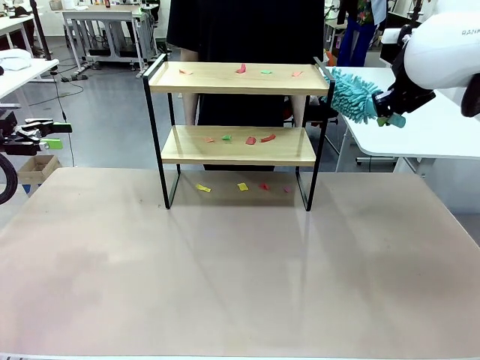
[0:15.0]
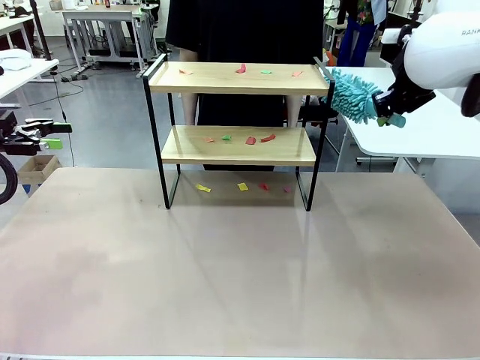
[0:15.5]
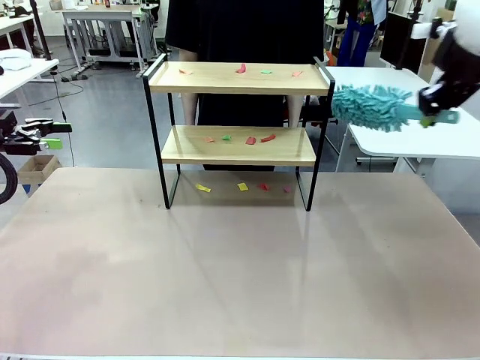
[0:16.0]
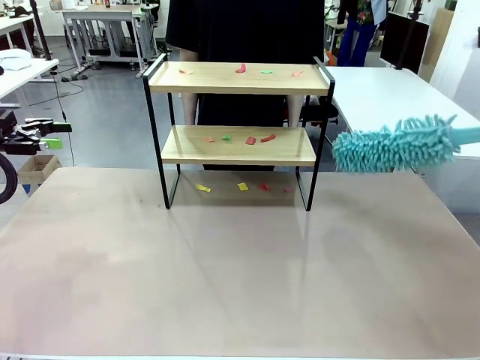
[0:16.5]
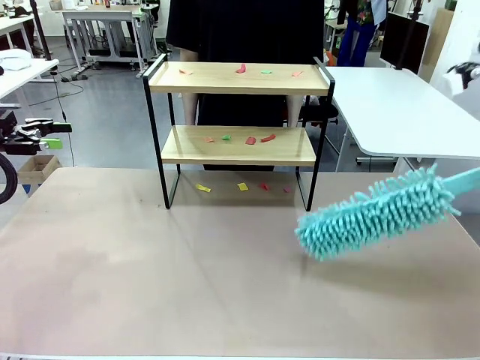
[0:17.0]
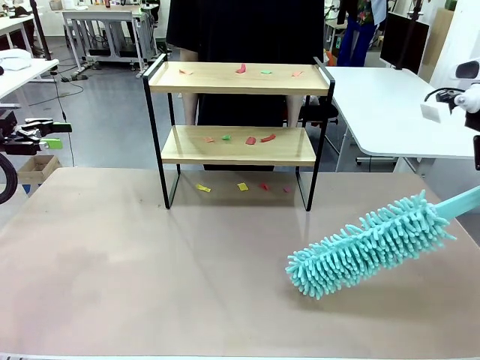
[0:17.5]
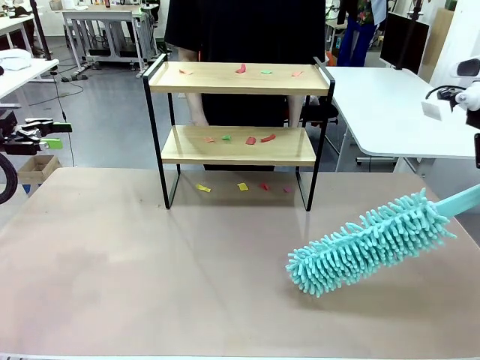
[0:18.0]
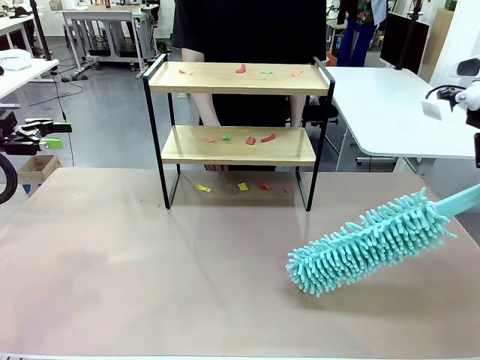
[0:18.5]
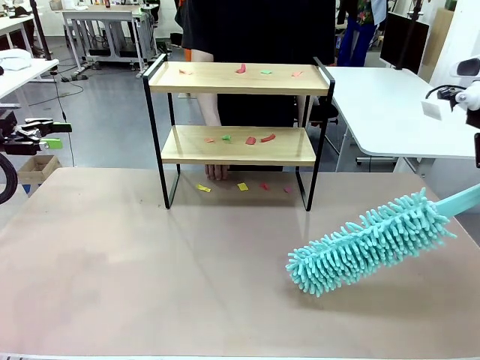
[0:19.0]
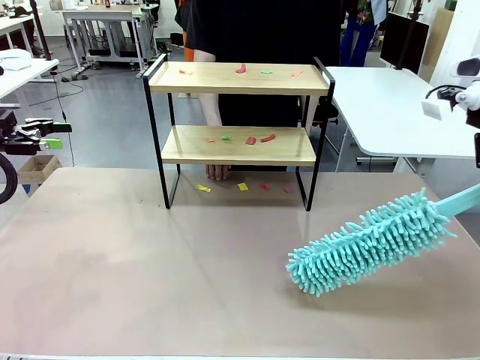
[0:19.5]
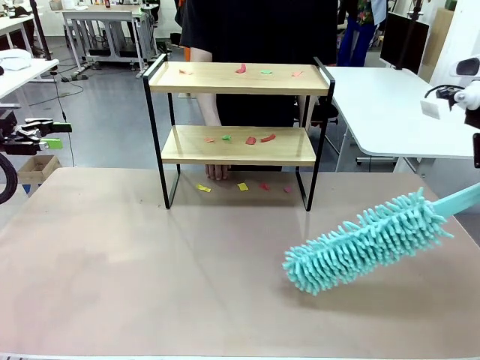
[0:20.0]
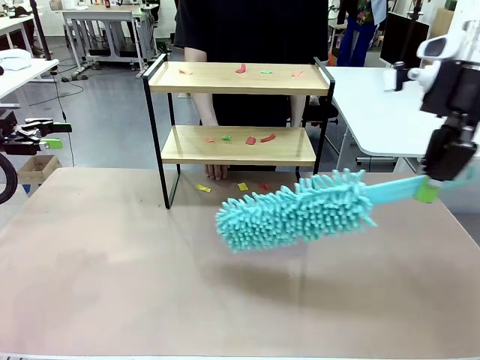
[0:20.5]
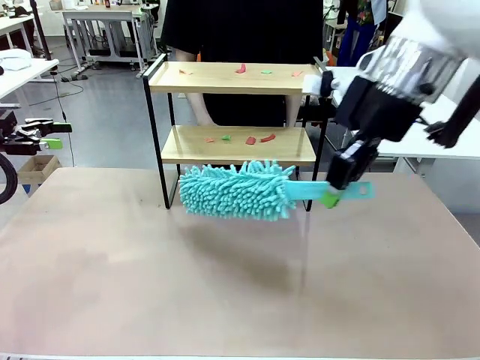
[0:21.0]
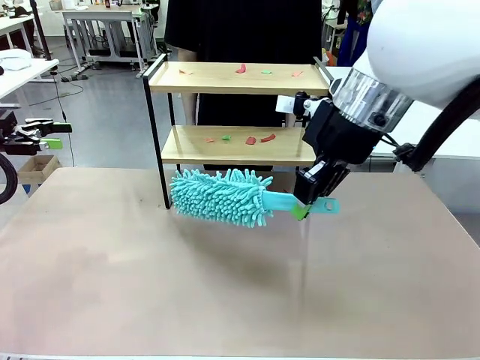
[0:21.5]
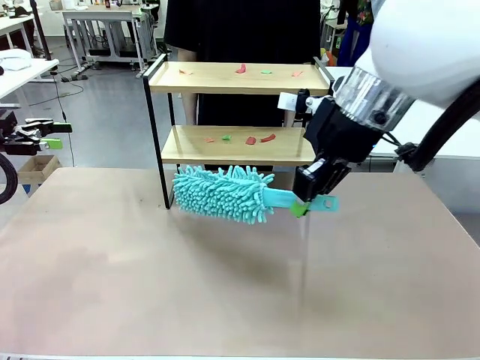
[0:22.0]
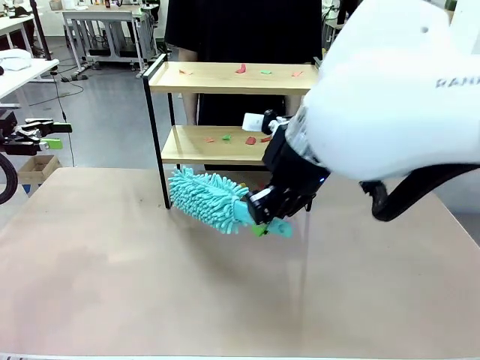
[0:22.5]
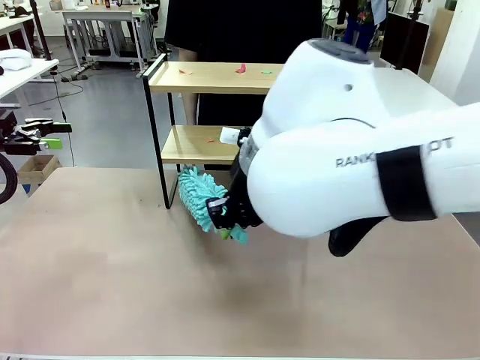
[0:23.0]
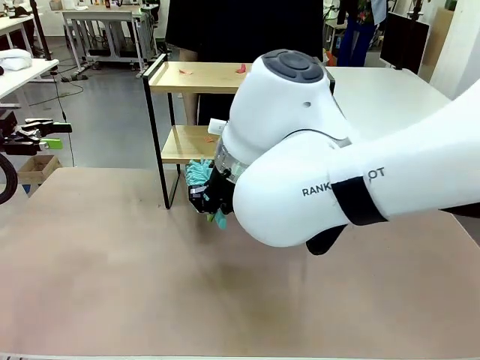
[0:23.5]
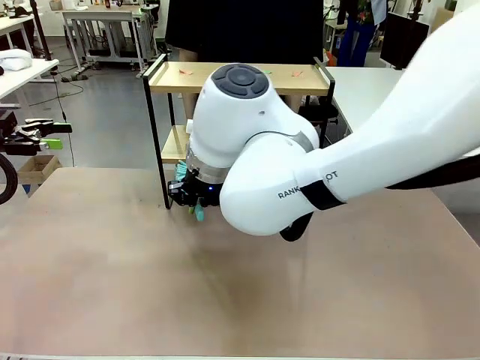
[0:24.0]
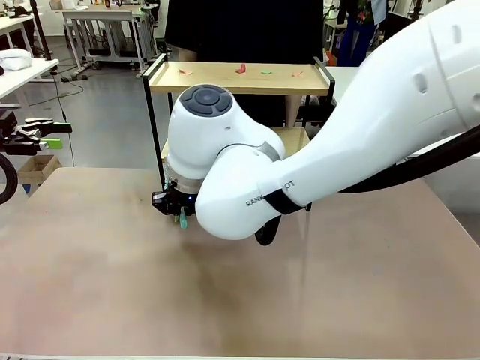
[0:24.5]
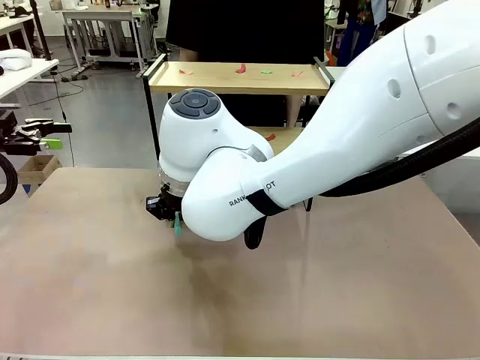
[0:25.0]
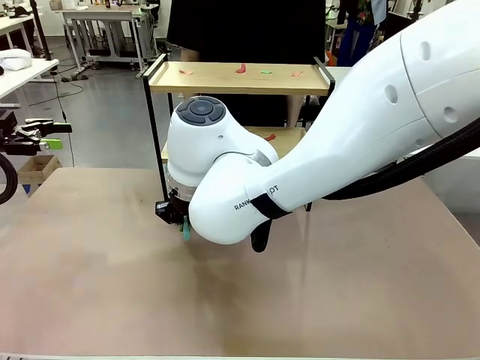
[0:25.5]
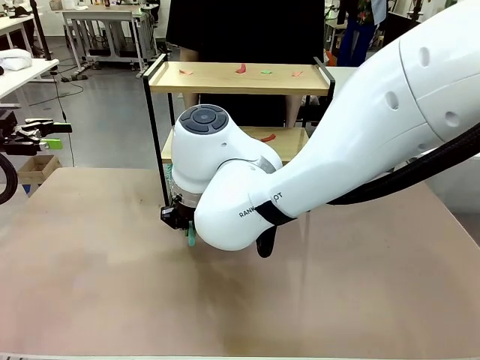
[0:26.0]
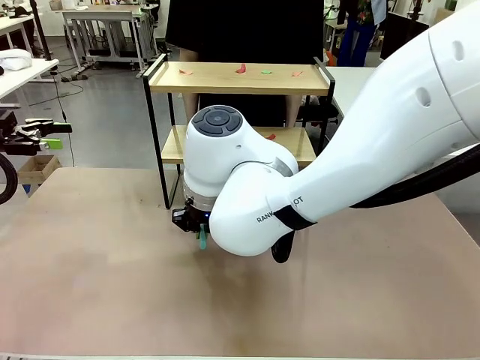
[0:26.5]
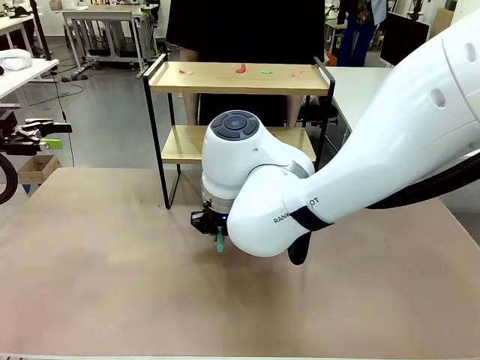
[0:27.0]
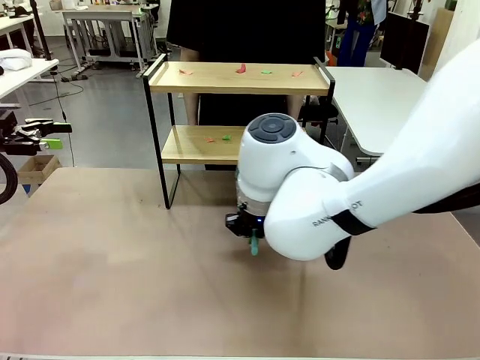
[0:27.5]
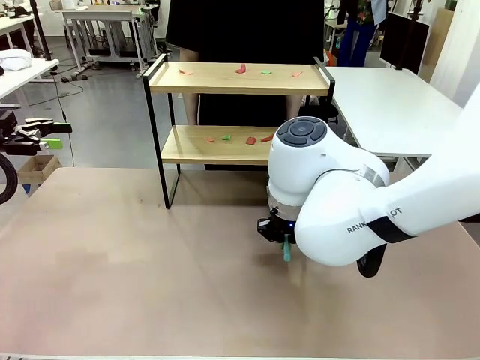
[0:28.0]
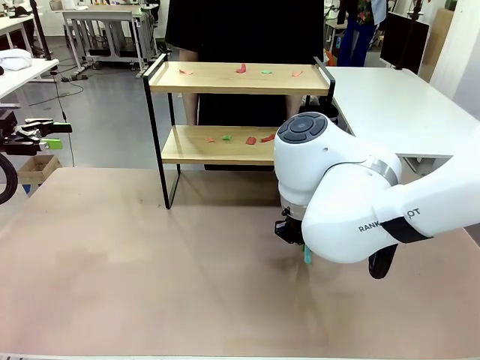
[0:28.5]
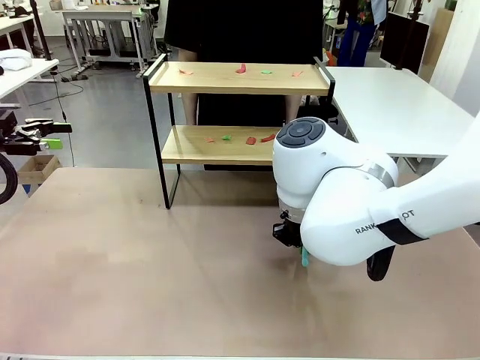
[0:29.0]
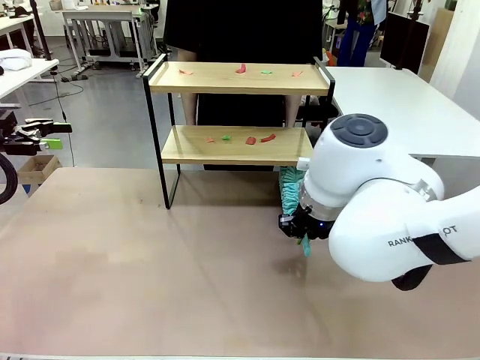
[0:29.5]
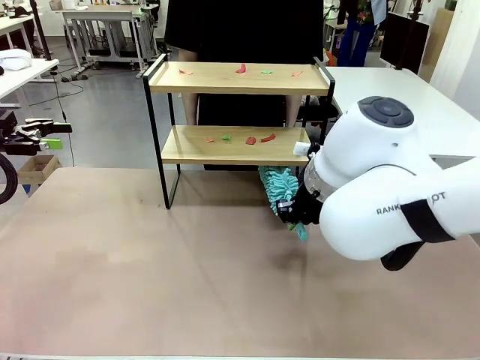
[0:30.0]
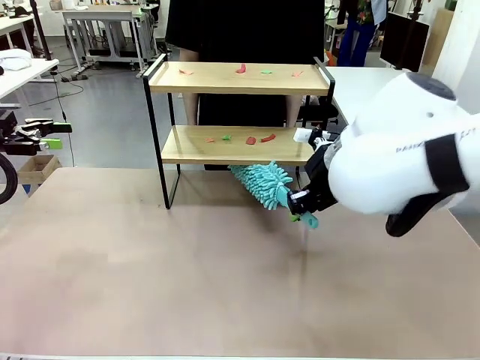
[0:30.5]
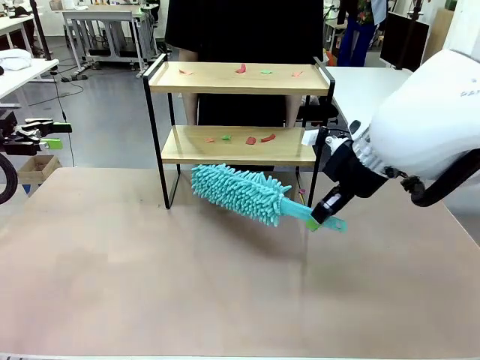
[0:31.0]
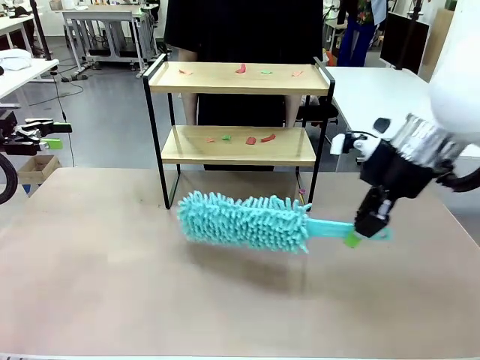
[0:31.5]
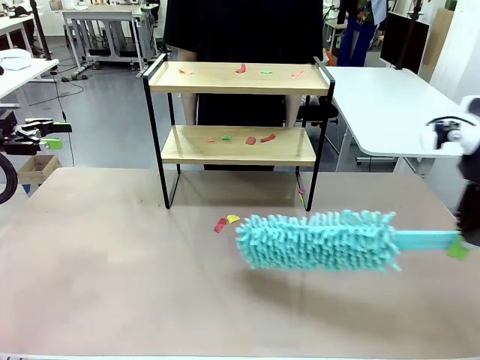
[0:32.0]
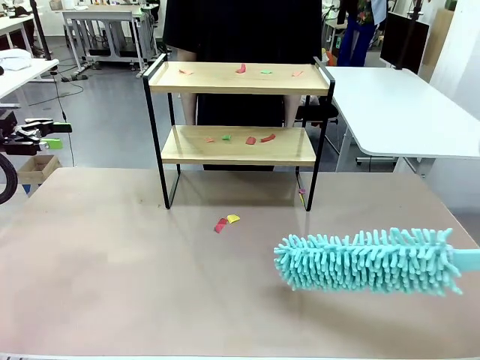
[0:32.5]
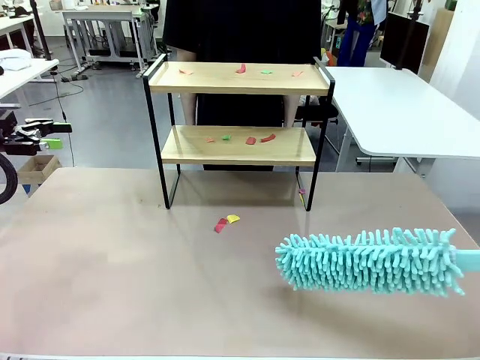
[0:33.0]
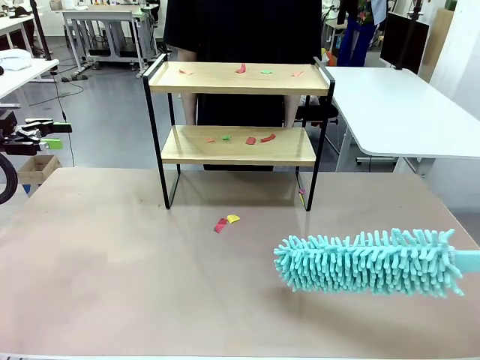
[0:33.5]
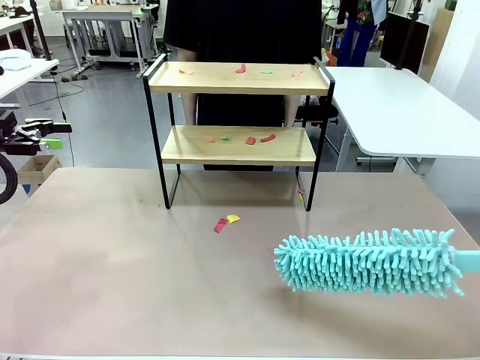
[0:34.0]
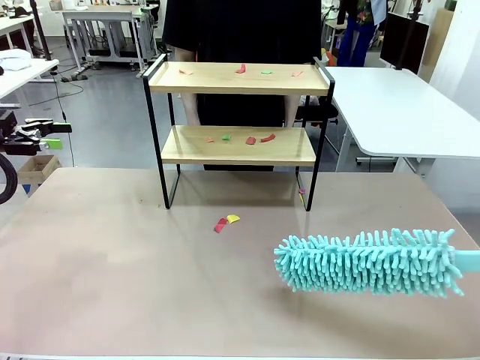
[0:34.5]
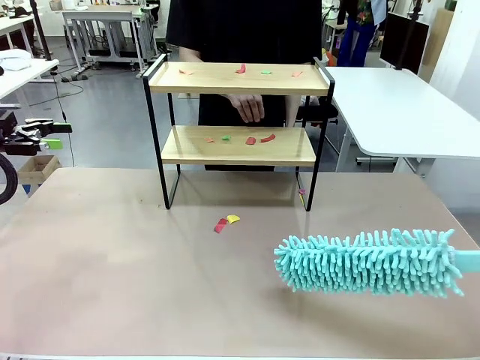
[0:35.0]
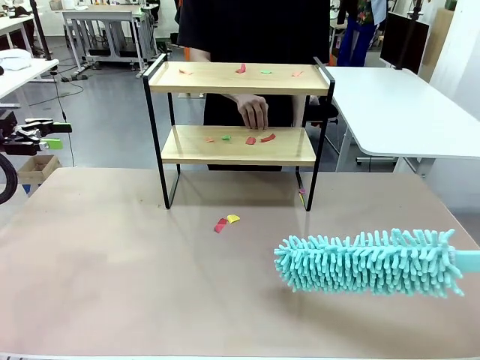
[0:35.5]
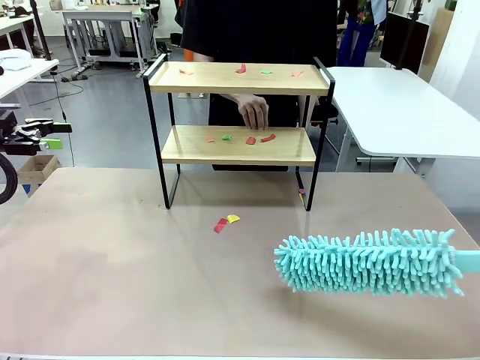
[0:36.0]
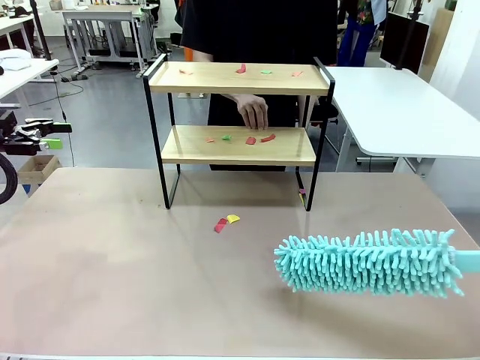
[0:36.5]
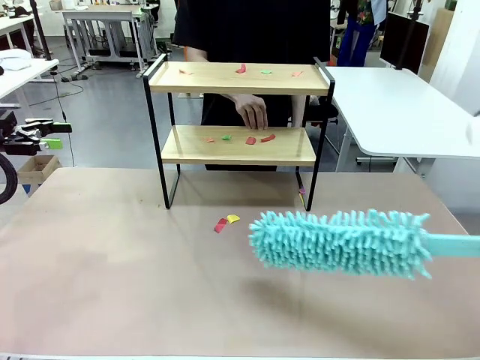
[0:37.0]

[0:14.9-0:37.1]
Task: Clean the shelf.
Robot: Clean the specific section of the Shelf indicated by the human with the Duster.
Person: Point a random section of the Shelf.

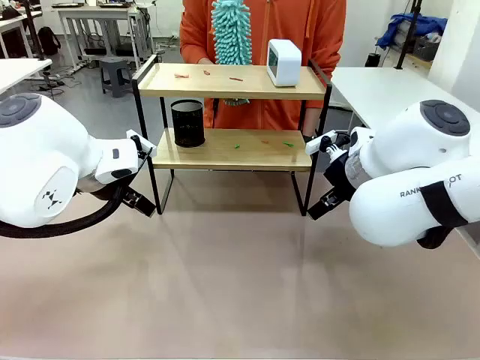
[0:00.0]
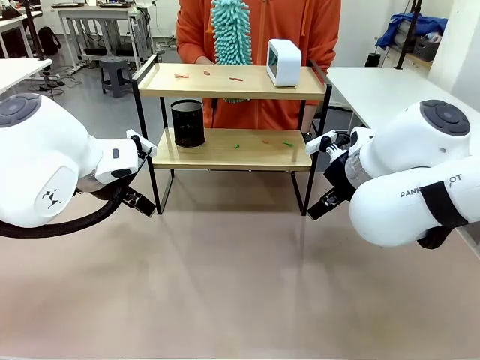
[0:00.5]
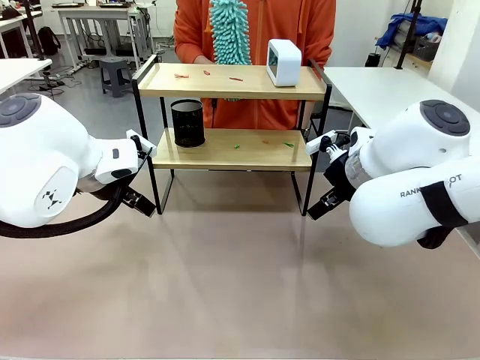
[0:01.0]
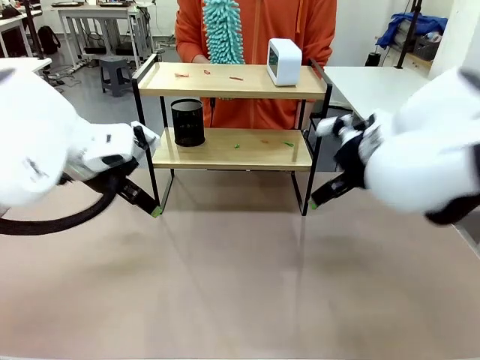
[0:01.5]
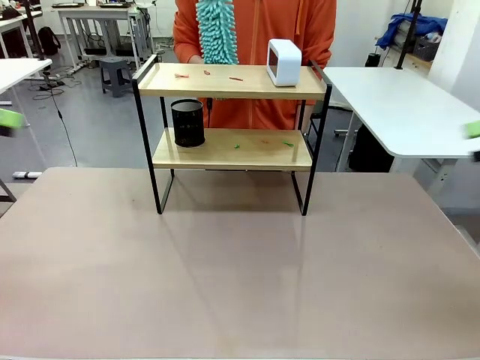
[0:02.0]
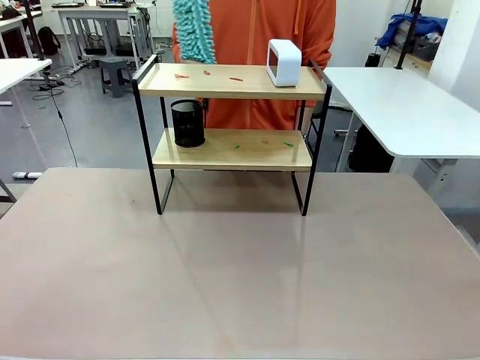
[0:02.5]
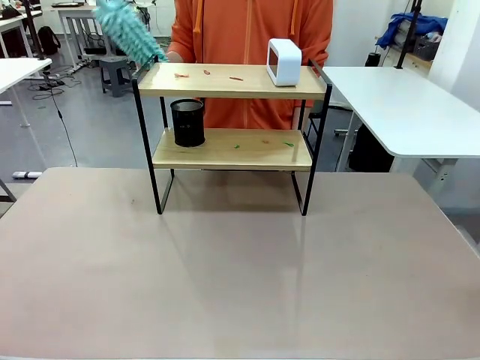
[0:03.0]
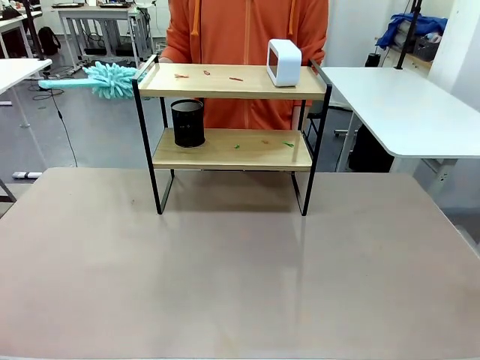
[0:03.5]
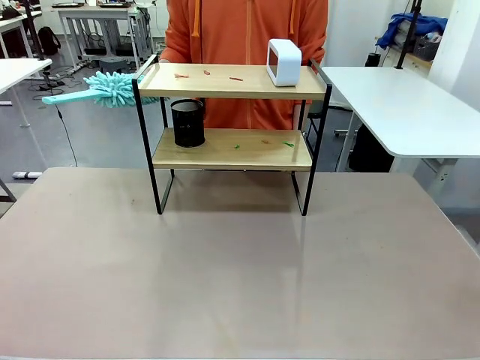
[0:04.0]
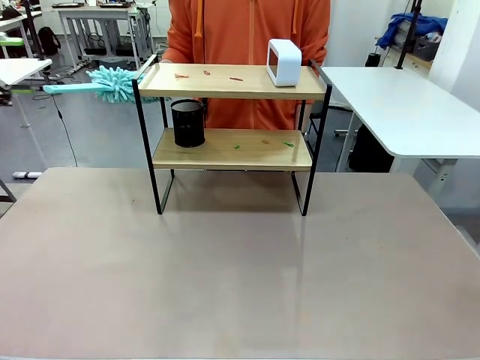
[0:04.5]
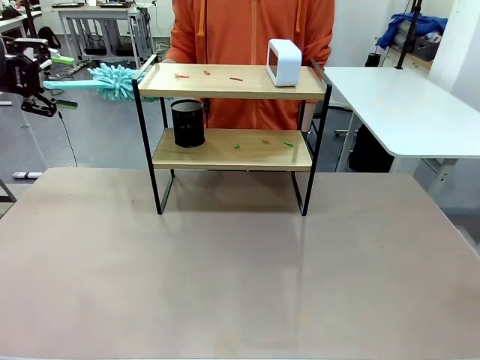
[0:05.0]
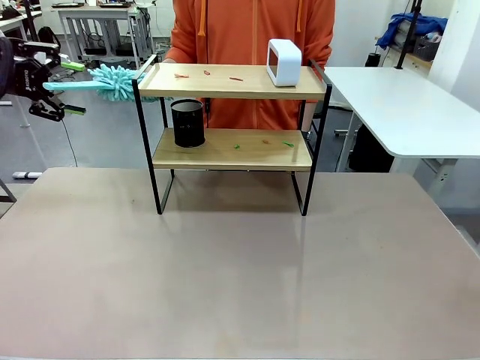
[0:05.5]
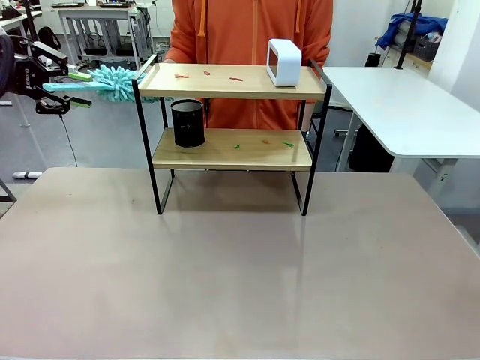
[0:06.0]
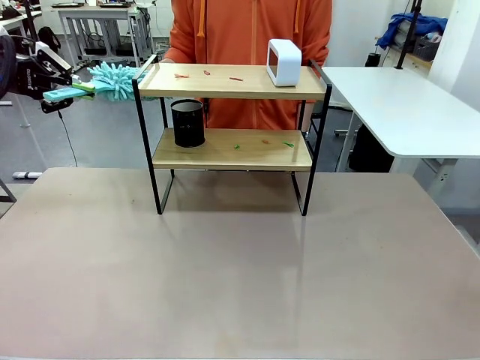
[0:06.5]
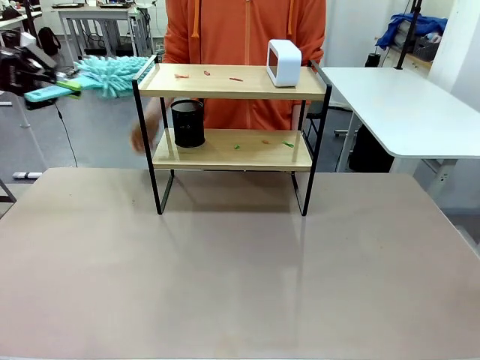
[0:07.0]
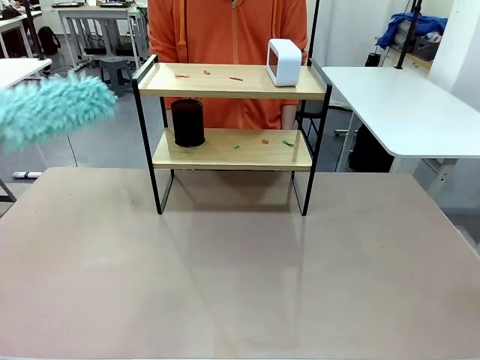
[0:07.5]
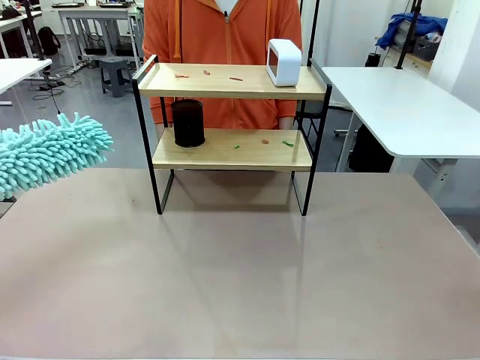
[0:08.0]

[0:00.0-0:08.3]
Task: Clean the shelf.
Robot: Pick up the Duster from the human.
Person: Hand the Duster to the robot.
